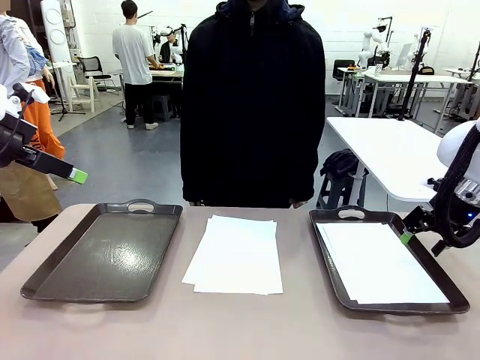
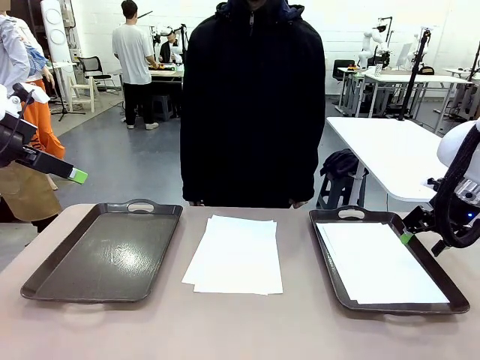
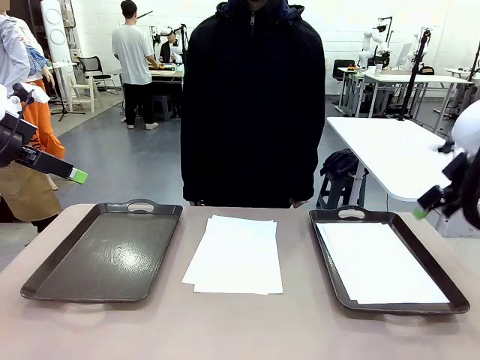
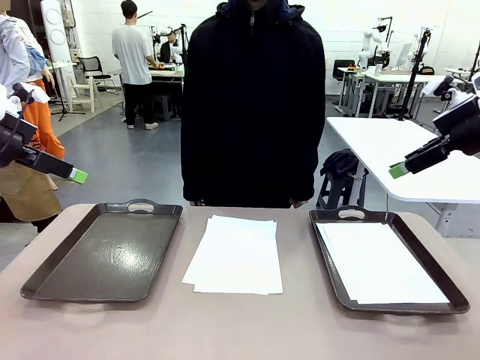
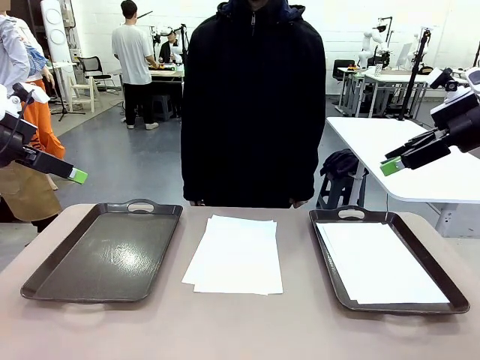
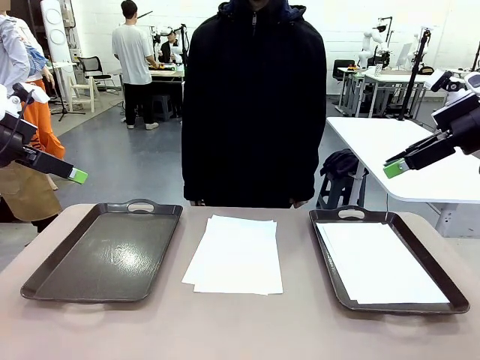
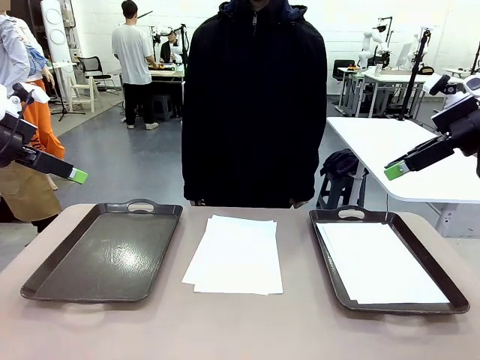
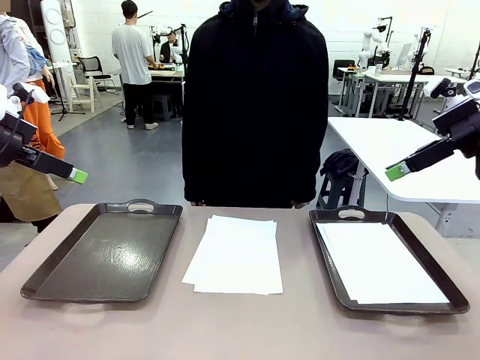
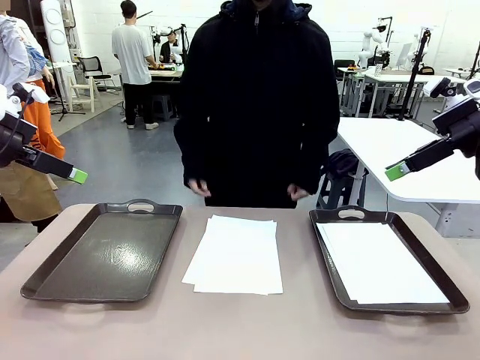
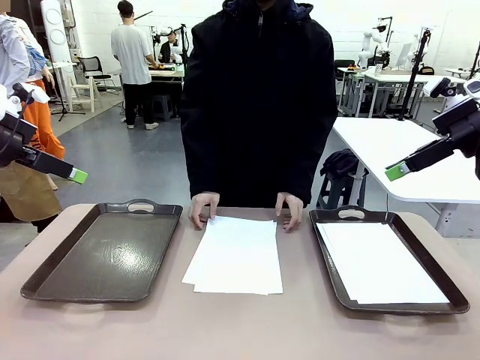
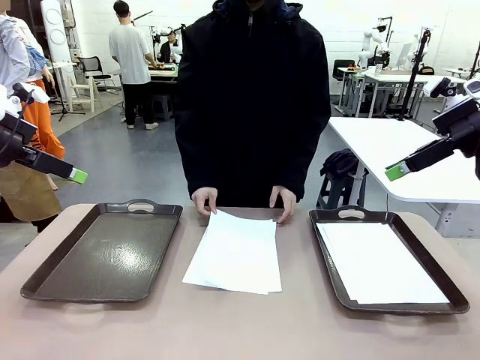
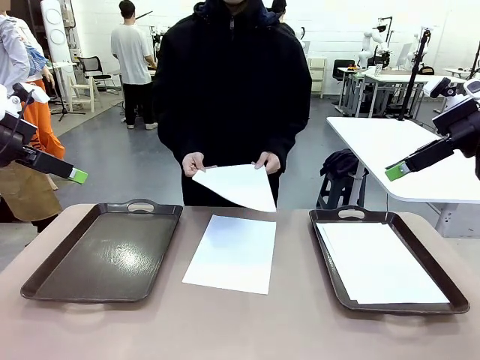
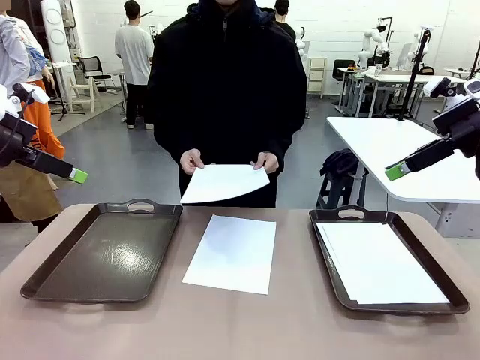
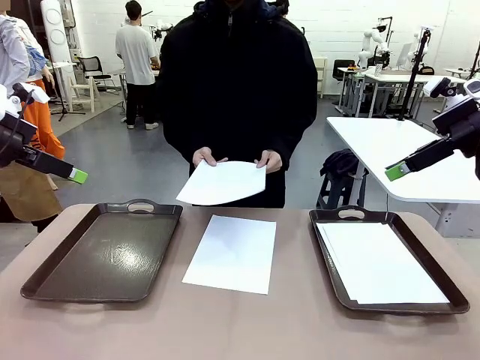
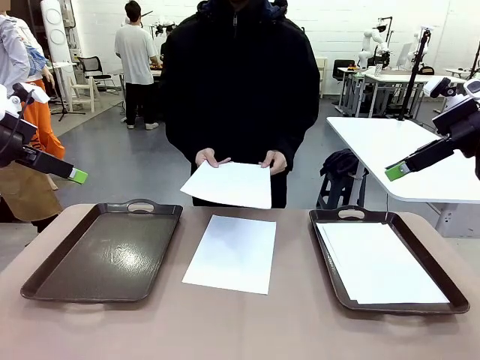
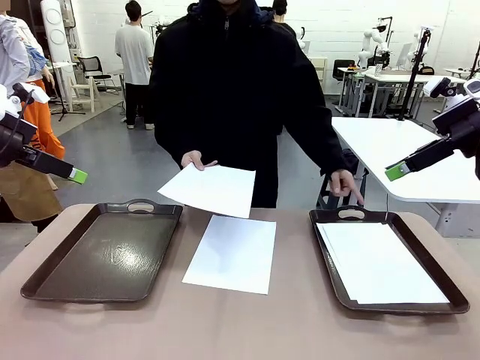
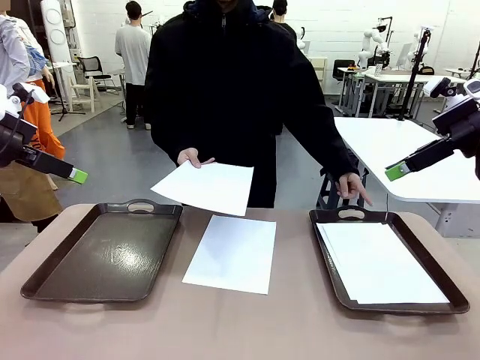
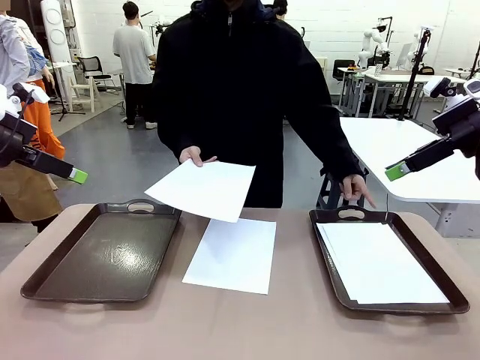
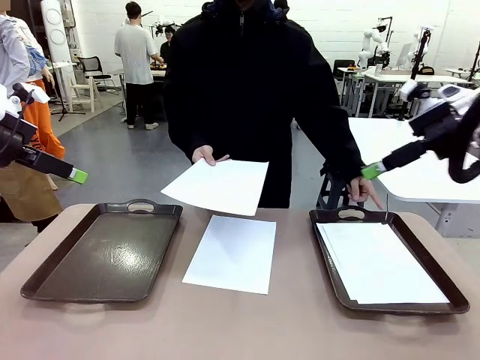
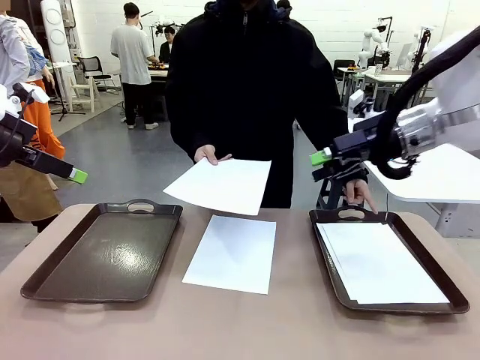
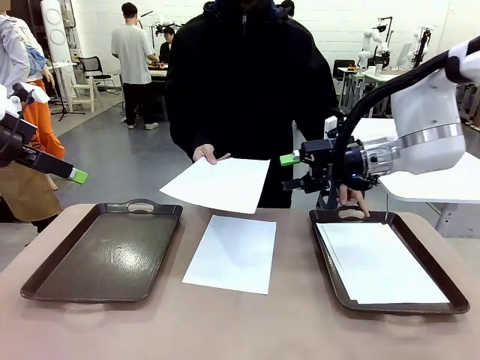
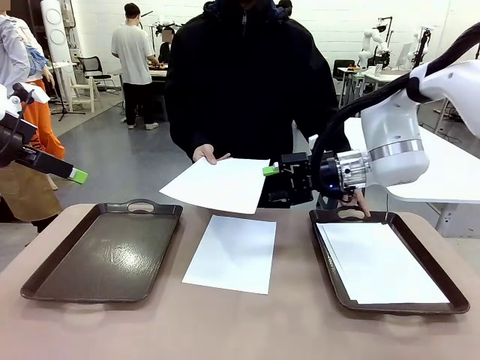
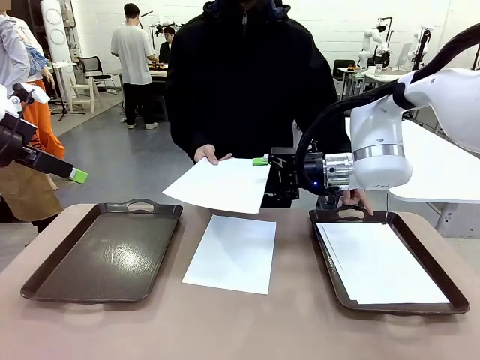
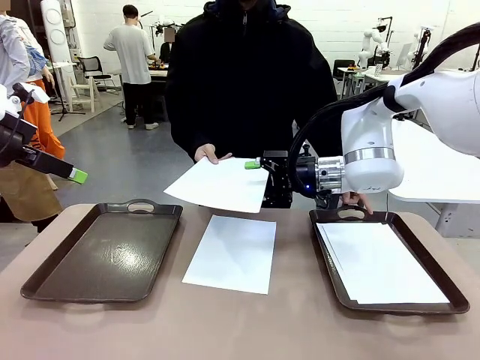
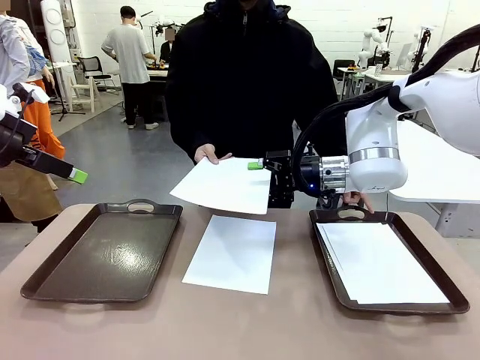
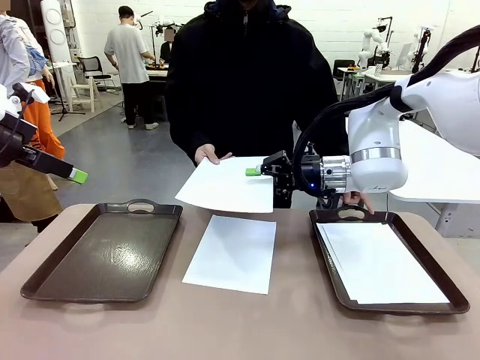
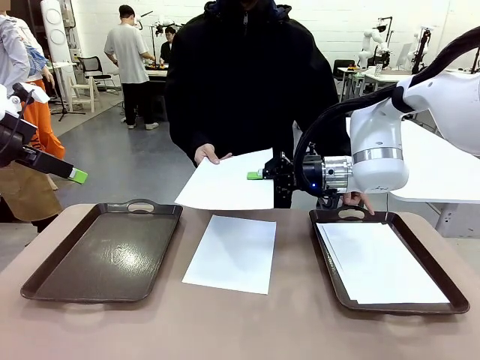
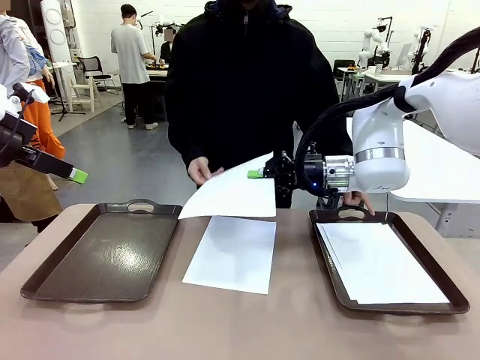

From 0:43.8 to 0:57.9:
Task: Sort the A4 documents.
Robot: Receive the A4 Paper.
Person: Point the randomly selected tray with the other hand.

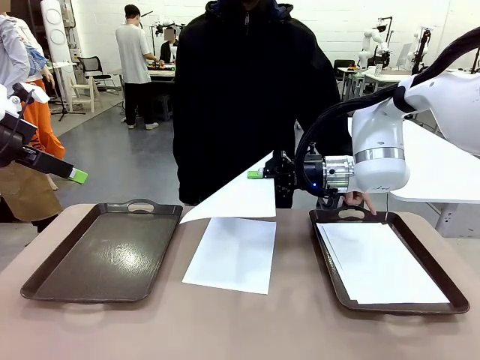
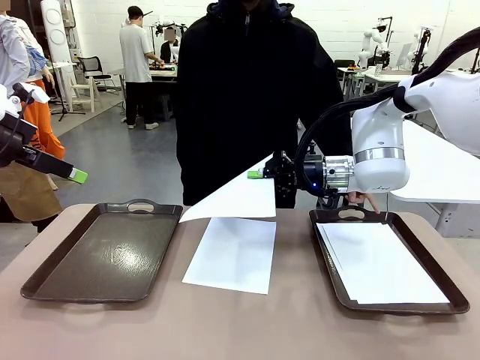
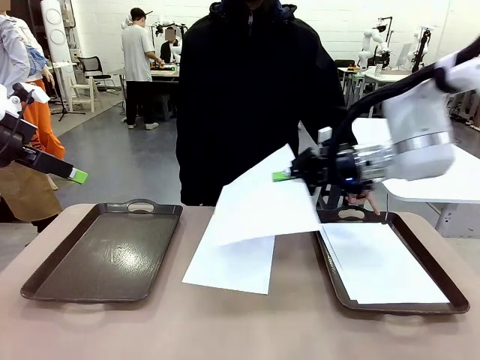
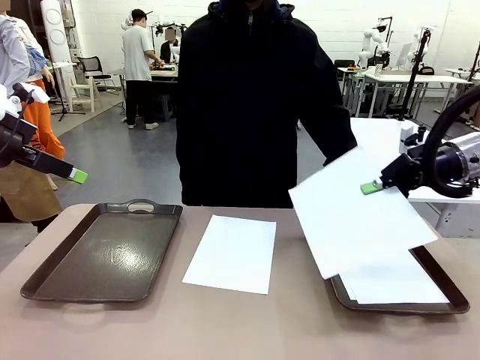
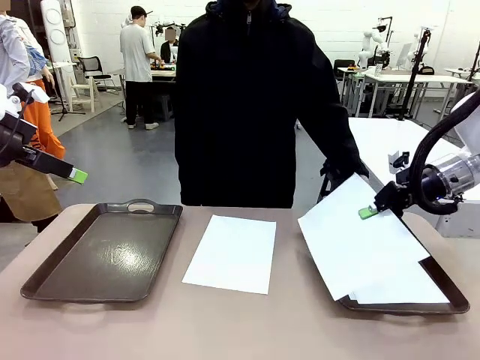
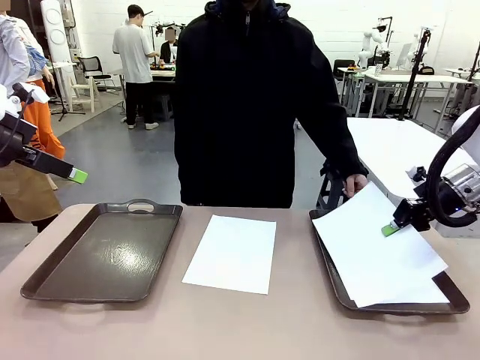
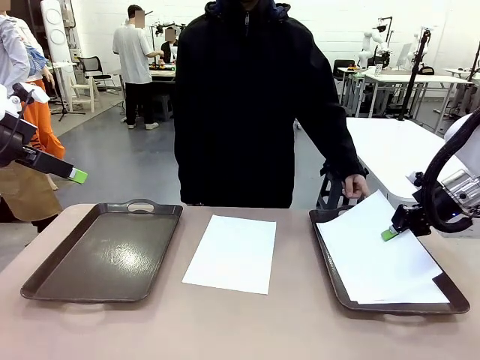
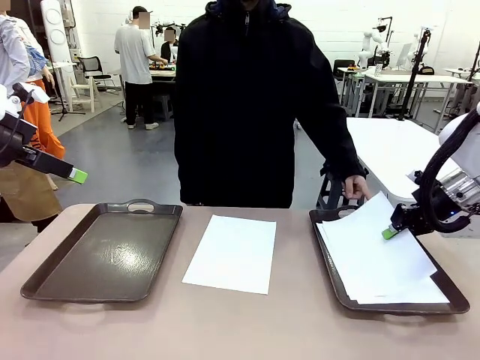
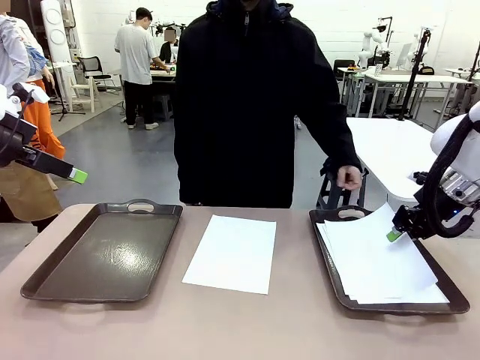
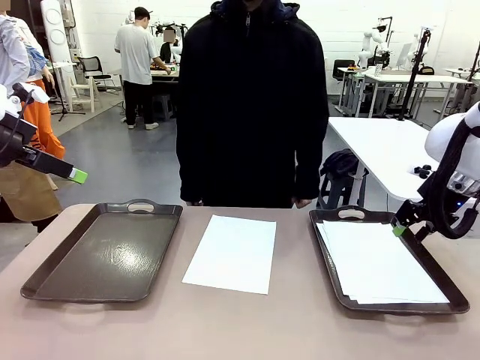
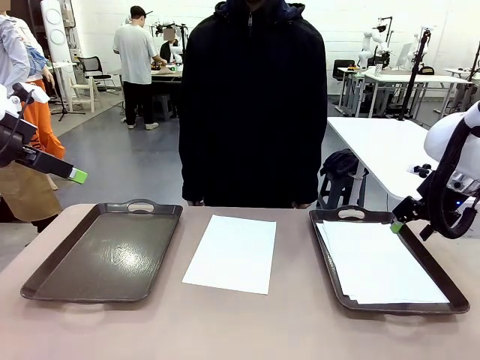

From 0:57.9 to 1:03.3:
Robot: Place the A4 Paper in the designated Handle tray.

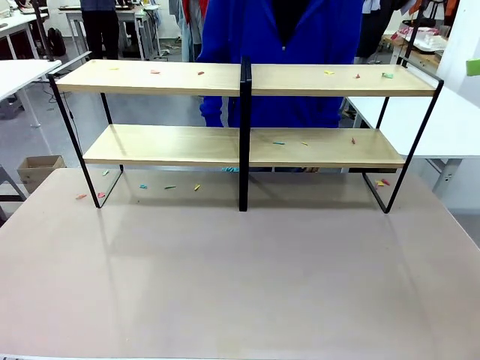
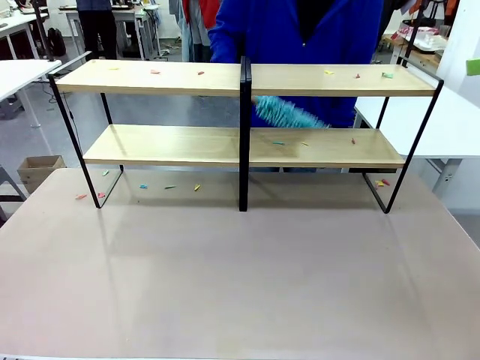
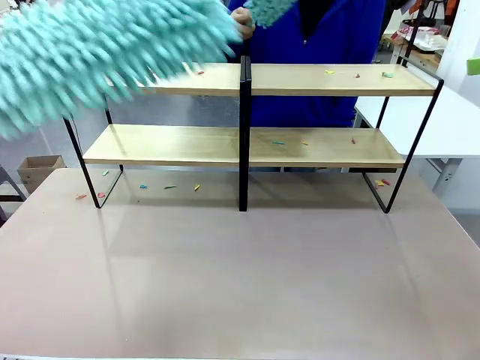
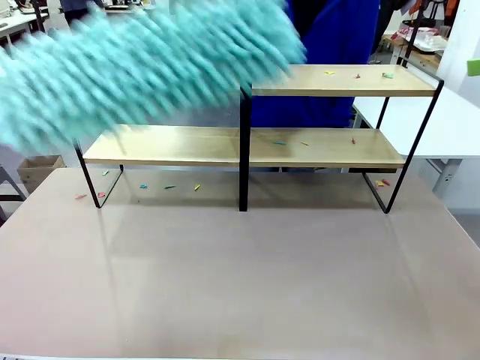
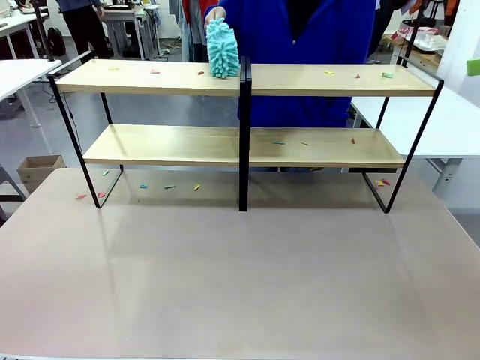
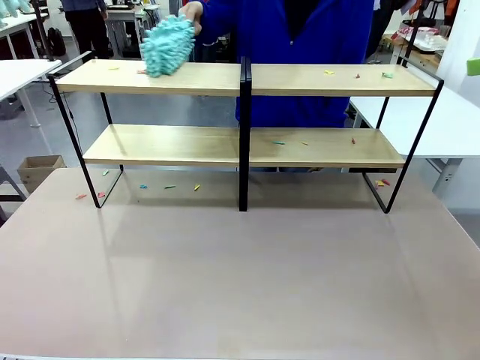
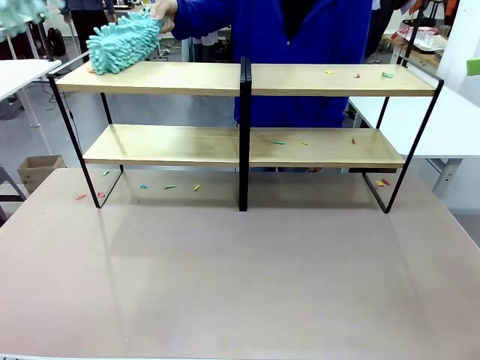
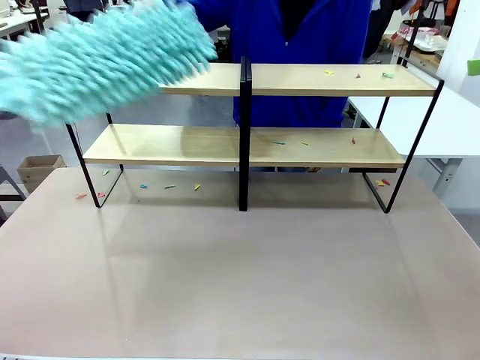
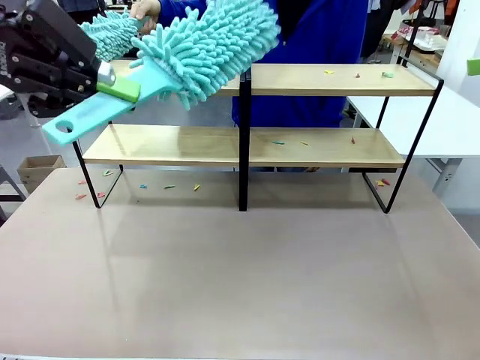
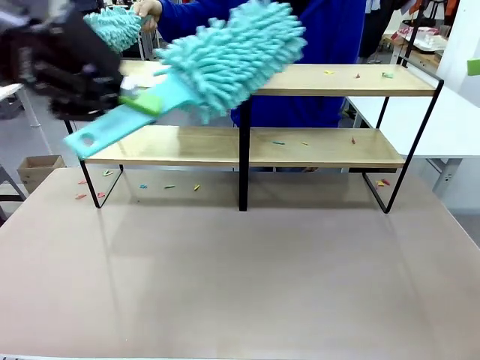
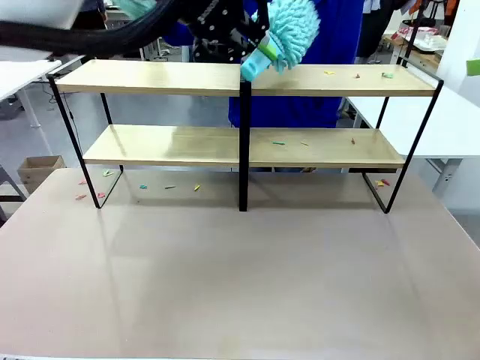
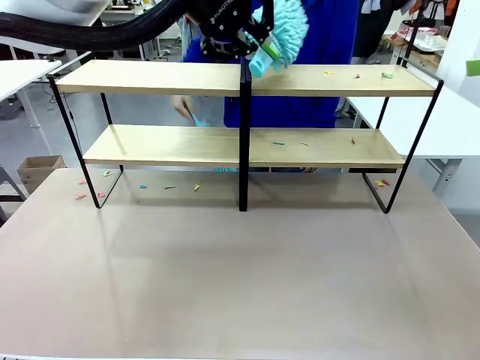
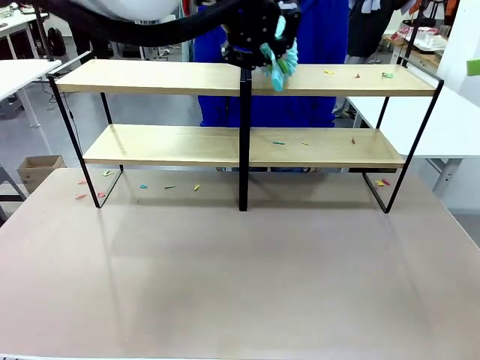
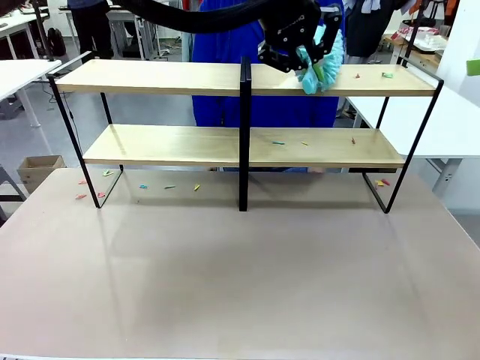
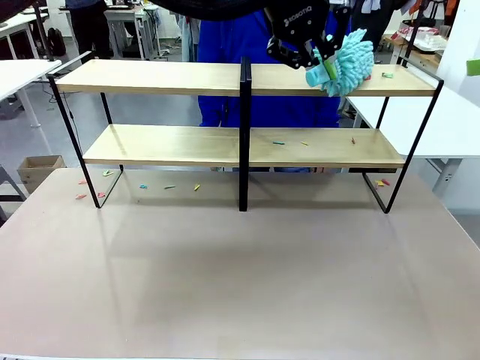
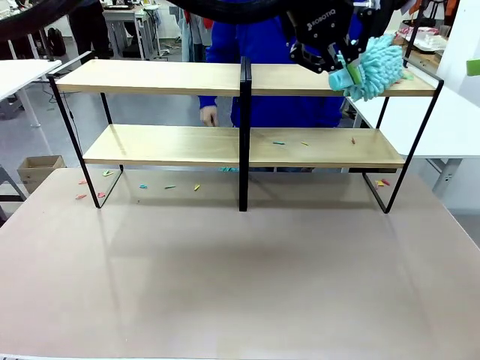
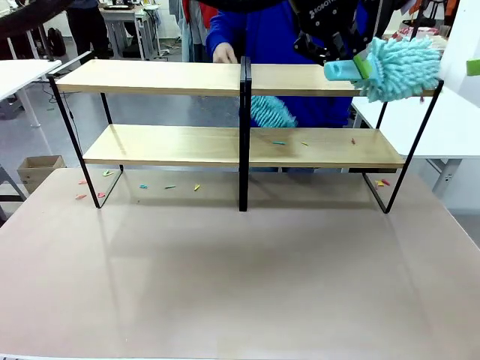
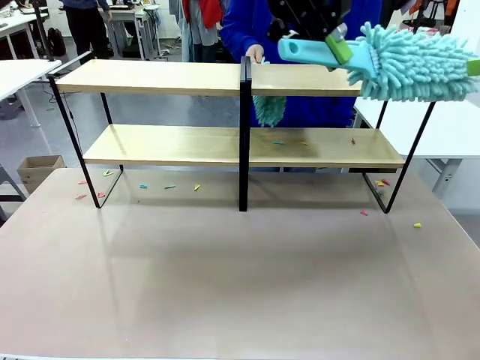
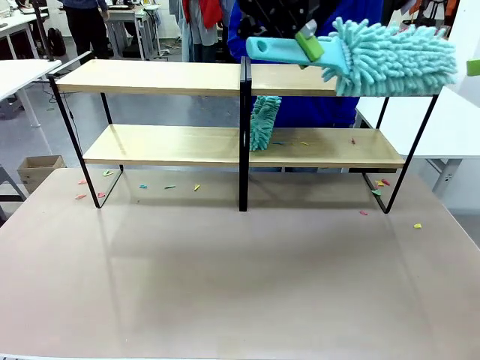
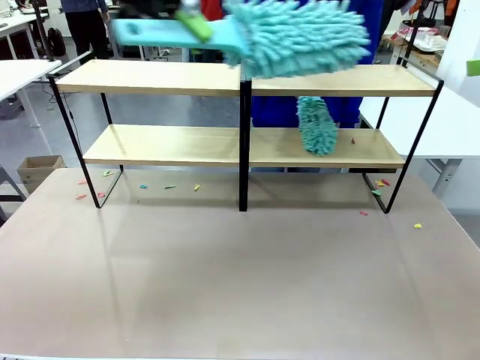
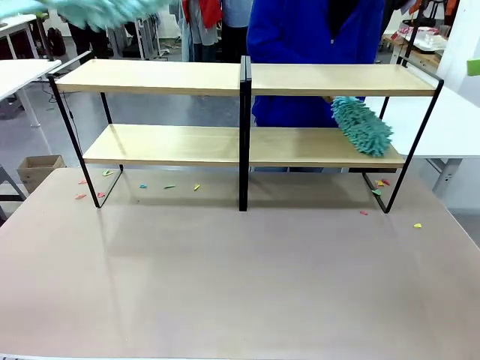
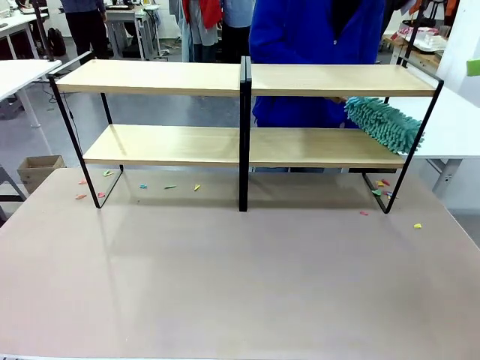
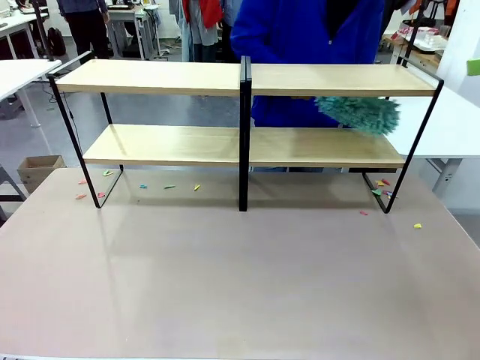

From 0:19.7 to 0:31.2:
Task: Clean the shelves.
Robot: Clean another randomly selected level of the Shelf with the Duster.
